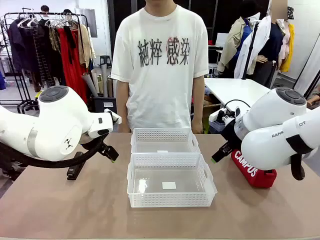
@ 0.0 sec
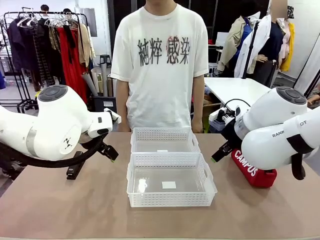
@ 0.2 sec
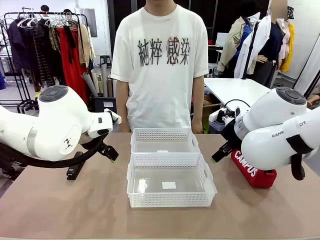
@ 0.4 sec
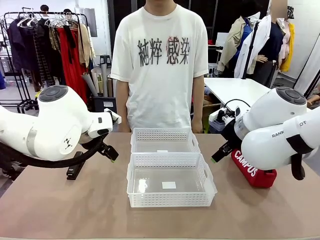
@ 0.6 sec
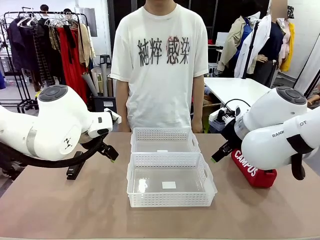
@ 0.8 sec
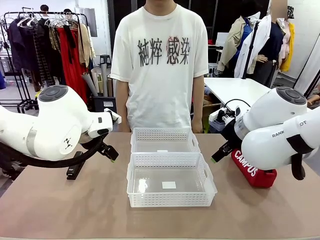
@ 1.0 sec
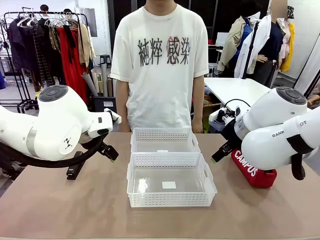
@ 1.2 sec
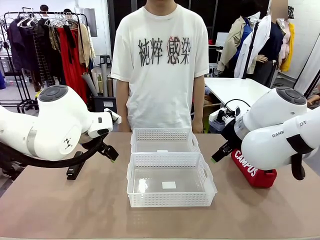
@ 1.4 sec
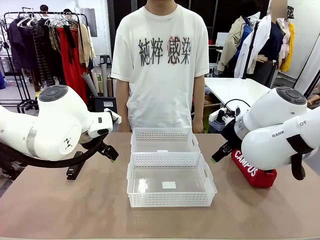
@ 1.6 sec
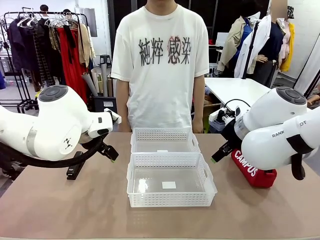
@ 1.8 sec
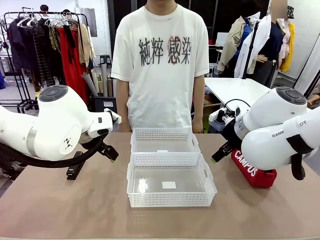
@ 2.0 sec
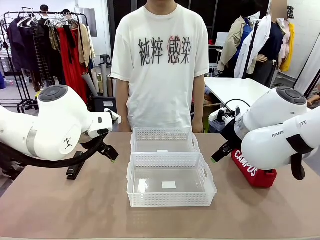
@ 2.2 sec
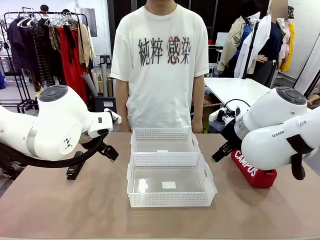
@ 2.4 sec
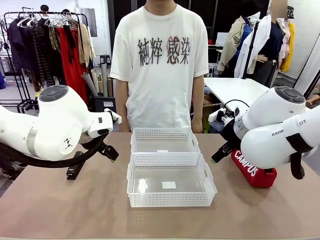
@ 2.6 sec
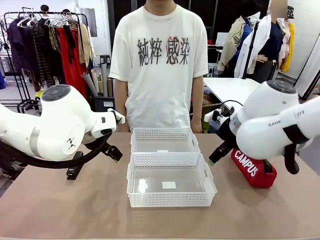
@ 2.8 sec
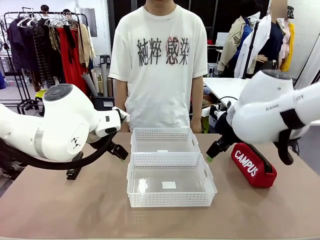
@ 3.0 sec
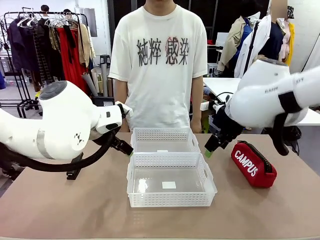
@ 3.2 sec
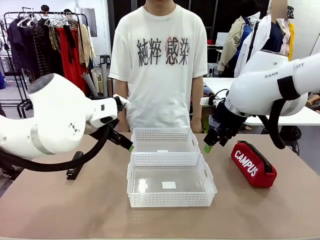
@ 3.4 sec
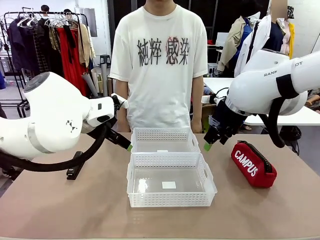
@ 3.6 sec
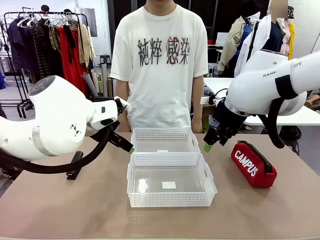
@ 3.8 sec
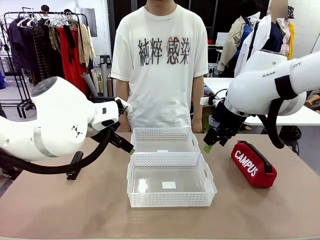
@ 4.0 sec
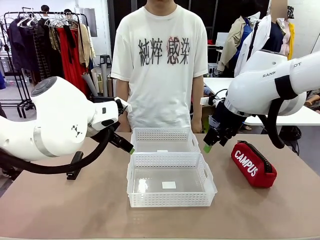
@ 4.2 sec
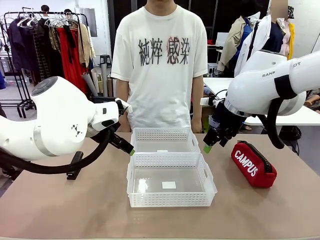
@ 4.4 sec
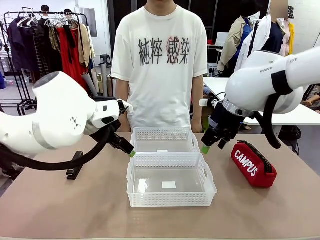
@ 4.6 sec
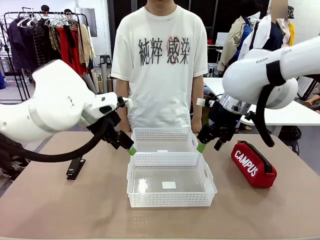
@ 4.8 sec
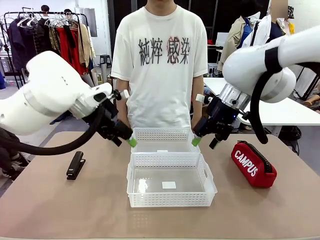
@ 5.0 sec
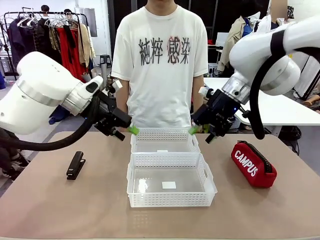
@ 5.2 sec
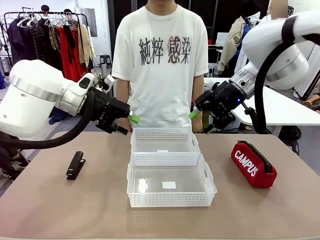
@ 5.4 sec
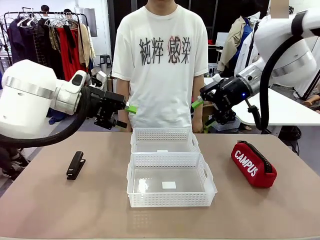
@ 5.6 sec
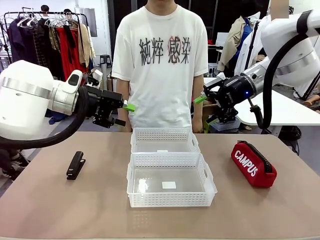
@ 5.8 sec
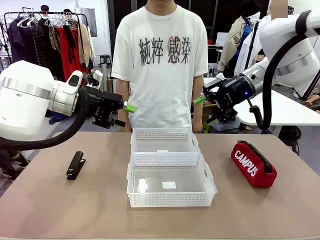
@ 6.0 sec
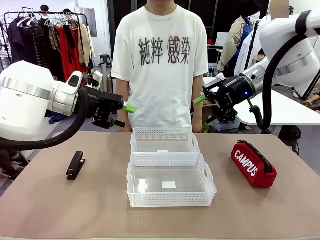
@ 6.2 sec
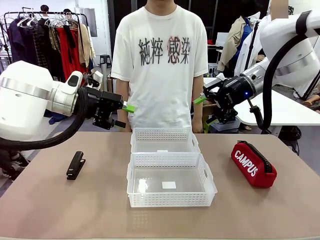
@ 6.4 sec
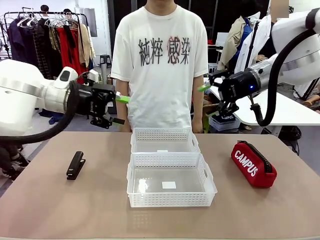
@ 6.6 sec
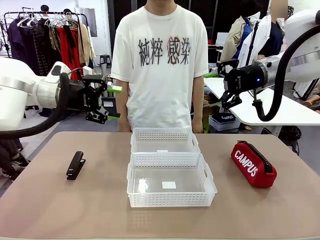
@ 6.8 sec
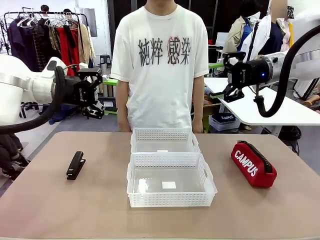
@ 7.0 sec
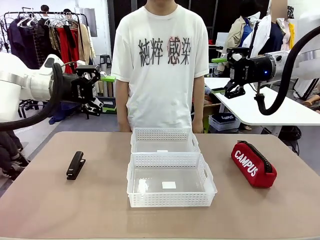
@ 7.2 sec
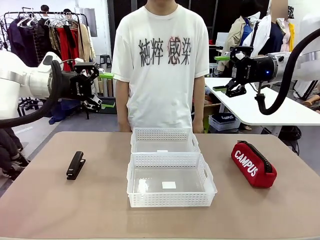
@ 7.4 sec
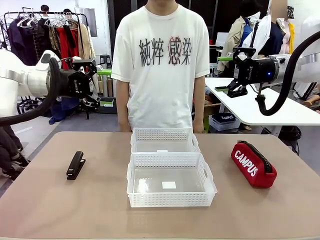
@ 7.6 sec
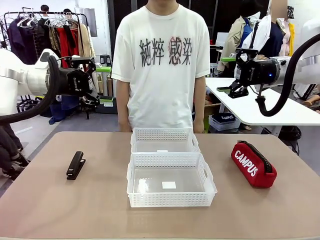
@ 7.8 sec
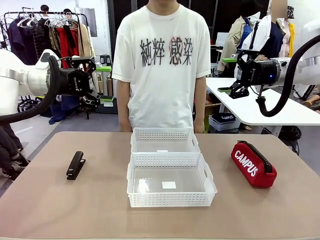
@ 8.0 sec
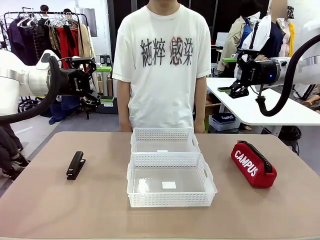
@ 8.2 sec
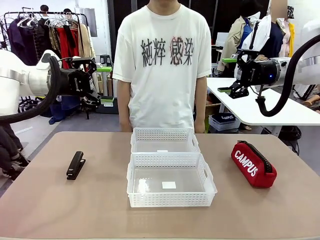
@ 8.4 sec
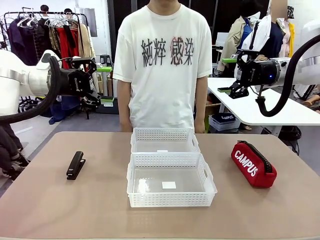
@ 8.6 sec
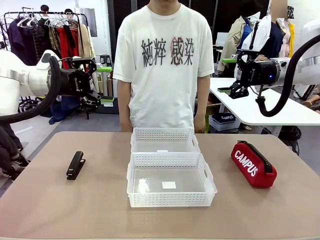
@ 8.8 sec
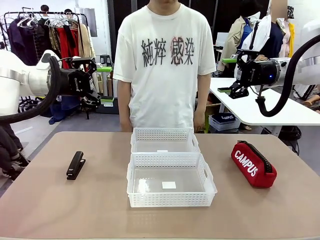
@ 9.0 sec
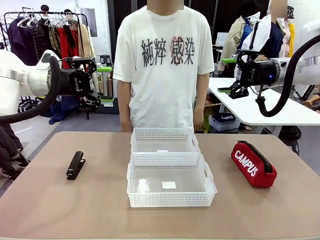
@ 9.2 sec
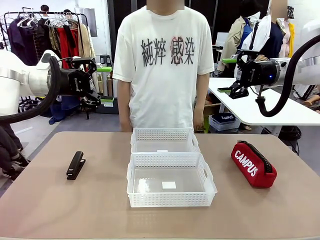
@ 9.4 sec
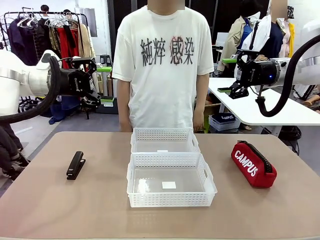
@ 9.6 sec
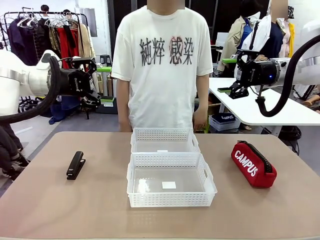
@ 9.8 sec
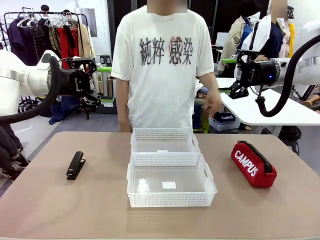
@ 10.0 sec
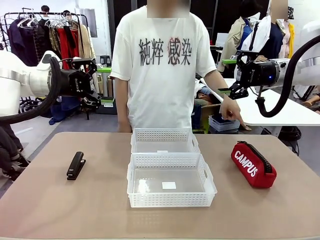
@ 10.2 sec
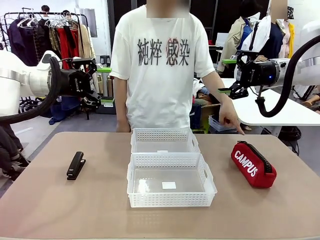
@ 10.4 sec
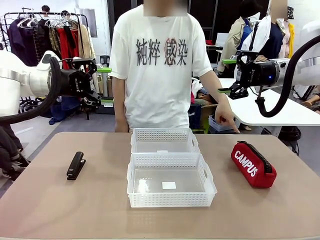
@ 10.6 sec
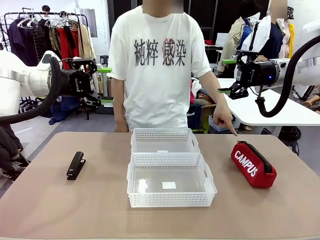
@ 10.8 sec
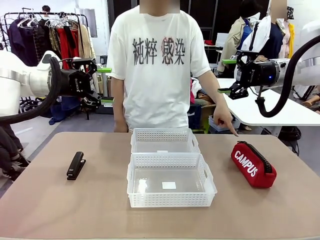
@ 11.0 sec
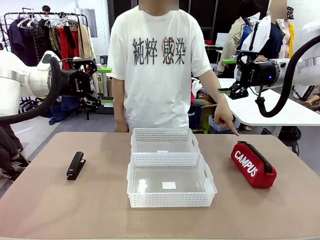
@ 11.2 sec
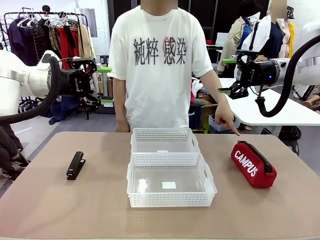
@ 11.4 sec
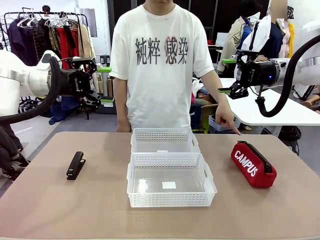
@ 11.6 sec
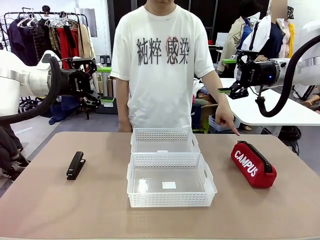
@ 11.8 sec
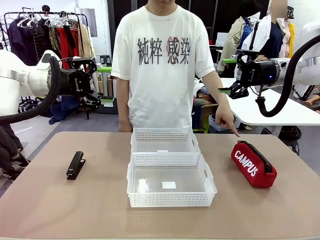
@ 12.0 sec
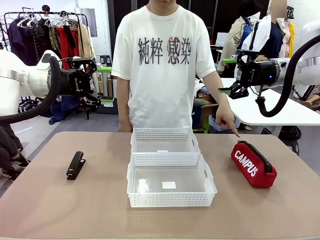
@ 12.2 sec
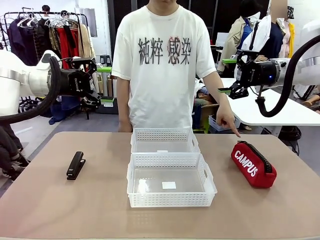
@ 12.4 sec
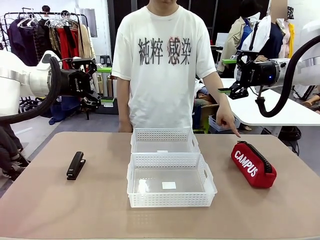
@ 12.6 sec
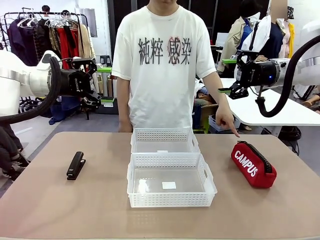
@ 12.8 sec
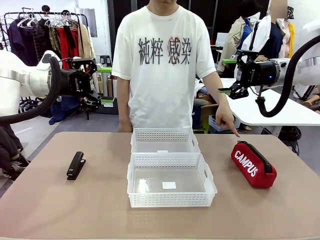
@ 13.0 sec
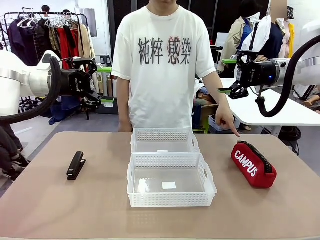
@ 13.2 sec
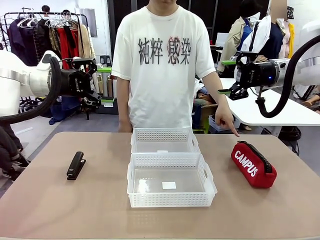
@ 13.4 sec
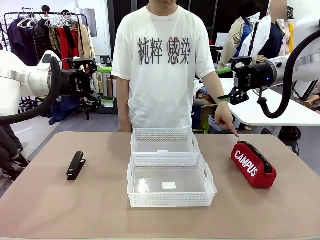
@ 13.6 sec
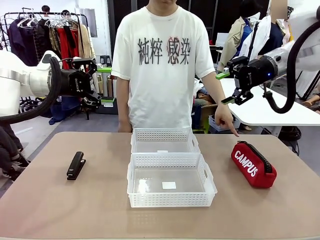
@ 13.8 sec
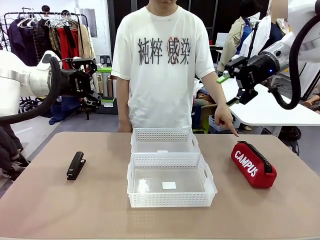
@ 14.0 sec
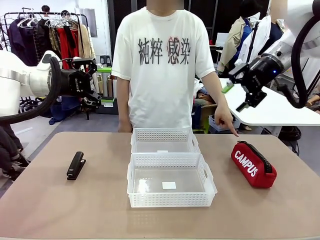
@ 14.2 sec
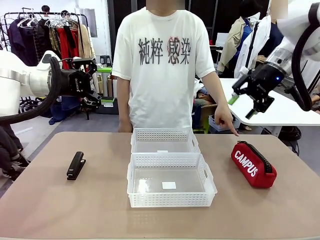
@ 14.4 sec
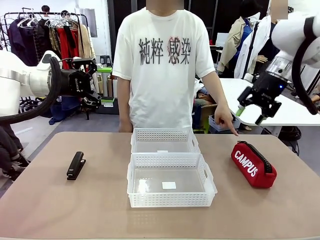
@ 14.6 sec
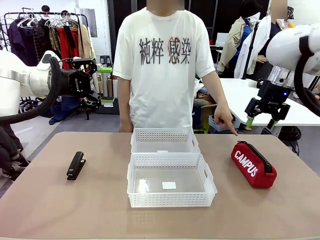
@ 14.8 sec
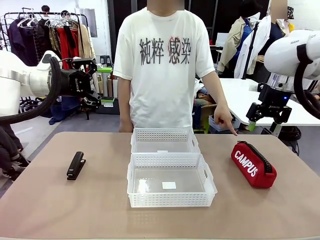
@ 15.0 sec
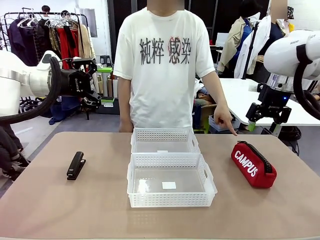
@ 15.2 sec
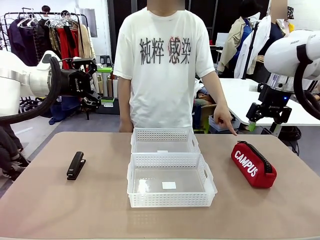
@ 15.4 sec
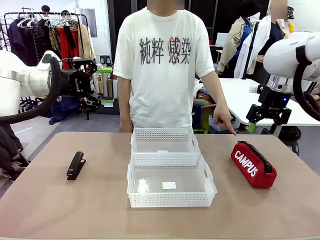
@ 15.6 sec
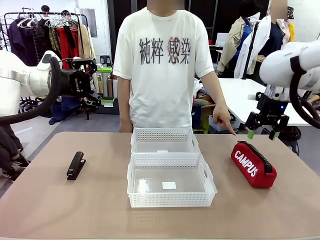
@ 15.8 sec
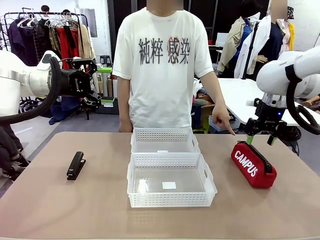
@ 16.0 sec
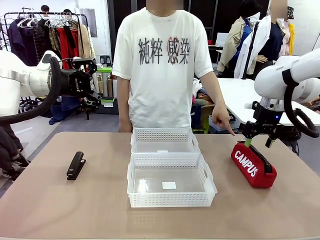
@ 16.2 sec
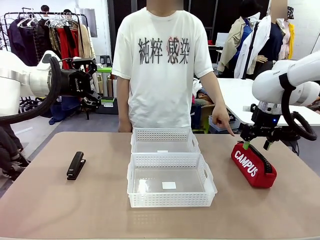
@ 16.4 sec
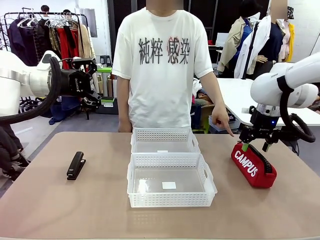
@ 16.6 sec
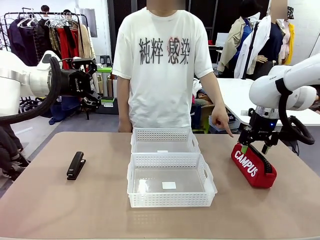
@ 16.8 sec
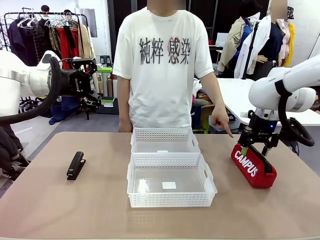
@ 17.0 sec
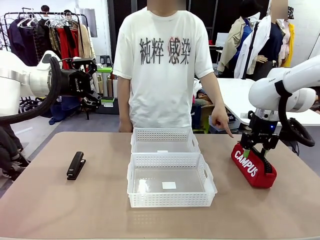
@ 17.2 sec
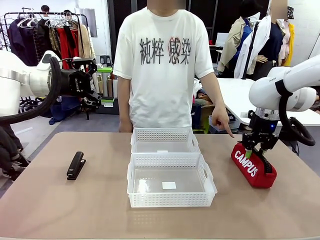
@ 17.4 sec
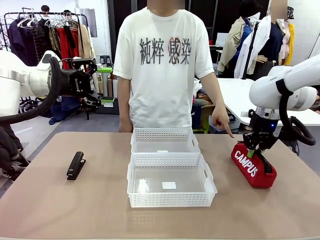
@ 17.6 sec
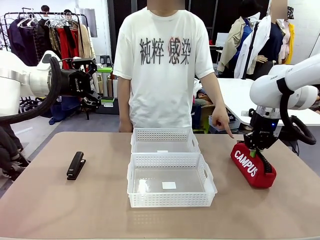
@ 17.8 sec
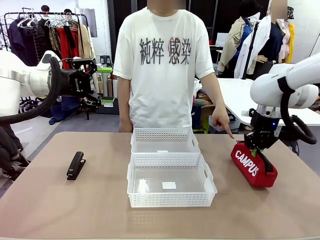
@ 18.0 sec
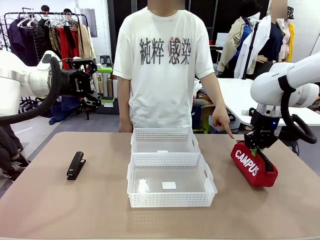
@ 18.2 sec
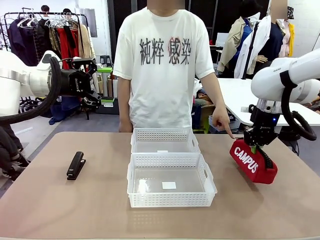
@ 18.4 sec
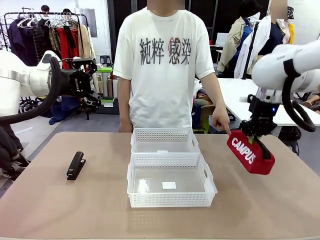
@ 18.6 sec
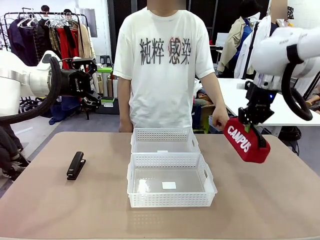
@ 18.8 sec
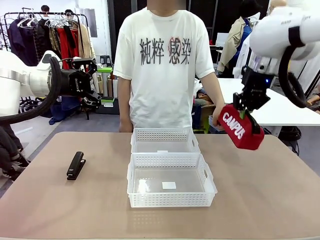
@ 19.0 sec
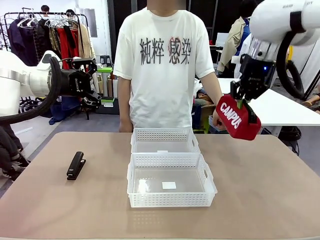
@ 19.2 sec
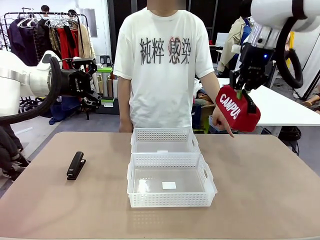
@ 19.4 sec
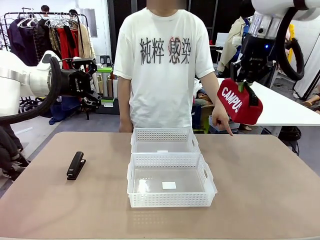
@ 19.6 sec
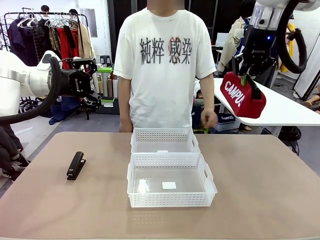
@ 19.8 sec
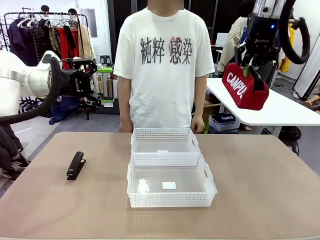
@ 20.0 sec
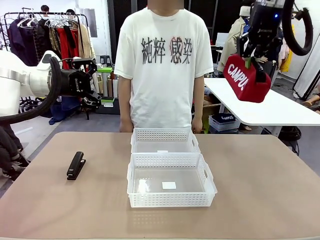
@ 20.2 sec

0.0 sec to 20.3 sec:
Task: Distribute items into two baskets.
Robot: Pick up the Pencil pouch that the person points to.
Person: Points to the pencil case. Points between the two organizing baskets and instructs the robot to move the pencil case.
